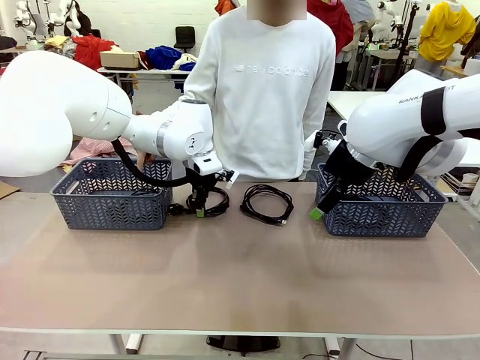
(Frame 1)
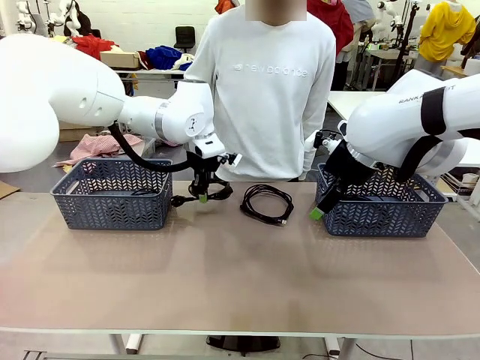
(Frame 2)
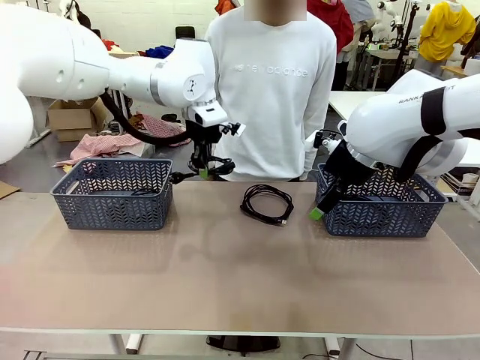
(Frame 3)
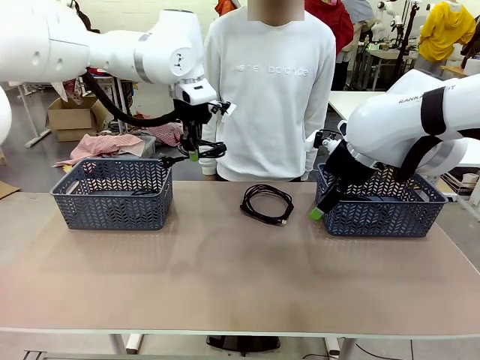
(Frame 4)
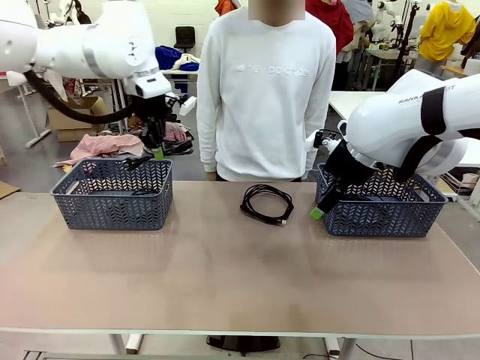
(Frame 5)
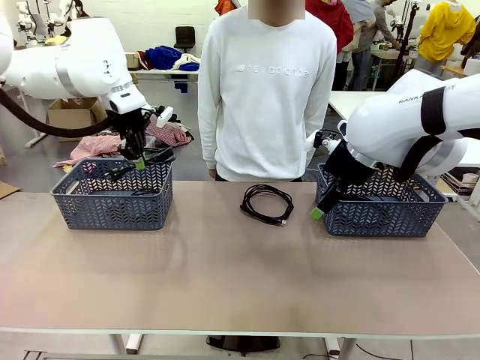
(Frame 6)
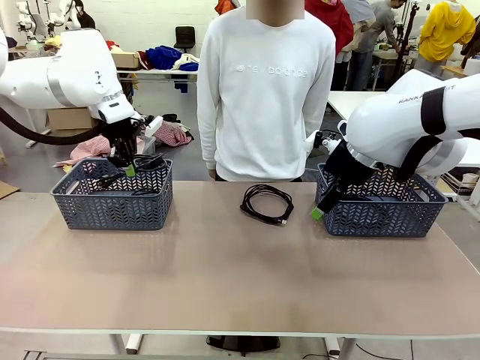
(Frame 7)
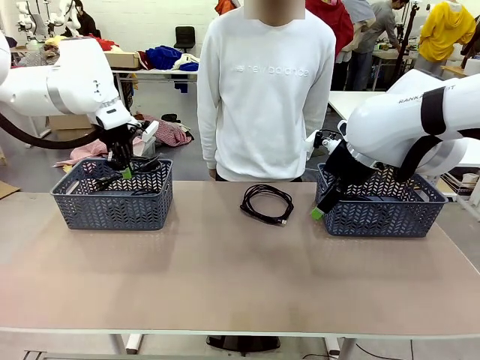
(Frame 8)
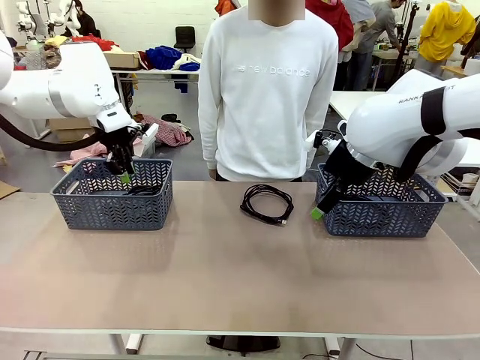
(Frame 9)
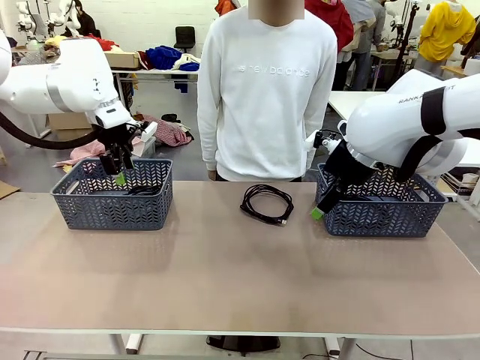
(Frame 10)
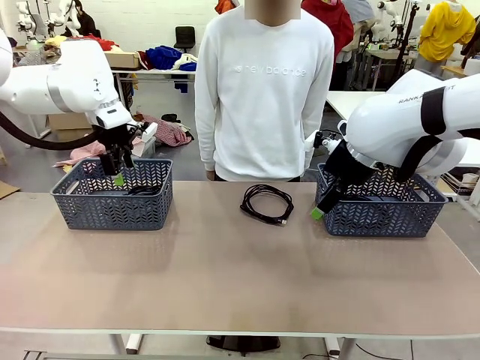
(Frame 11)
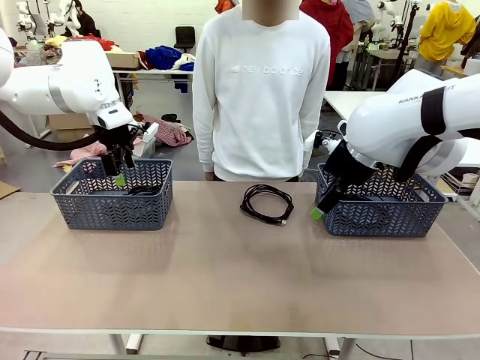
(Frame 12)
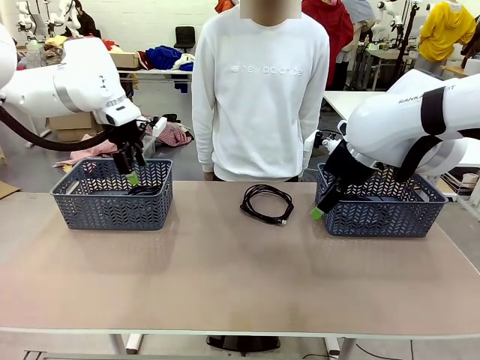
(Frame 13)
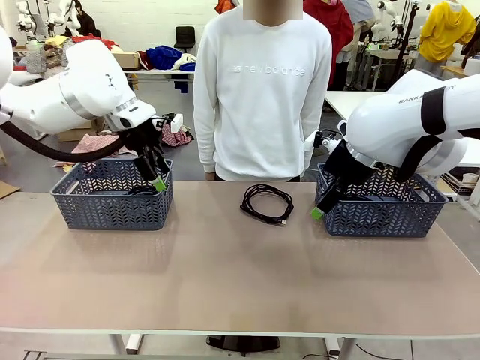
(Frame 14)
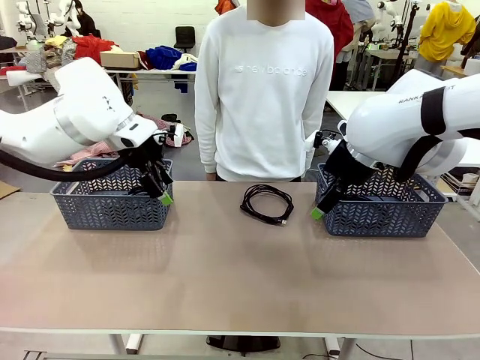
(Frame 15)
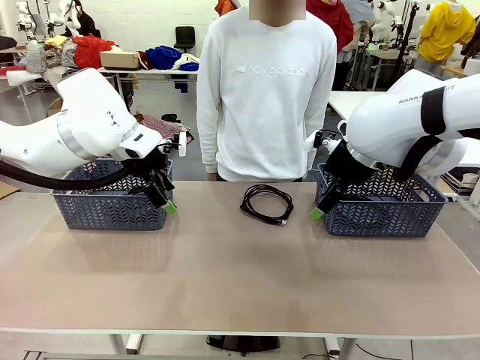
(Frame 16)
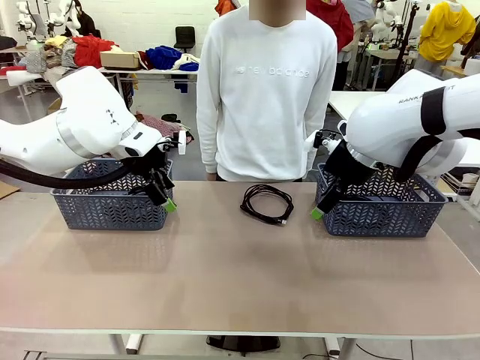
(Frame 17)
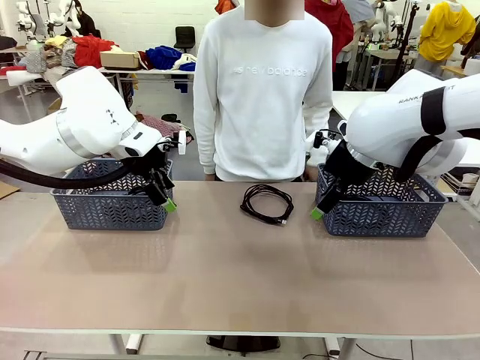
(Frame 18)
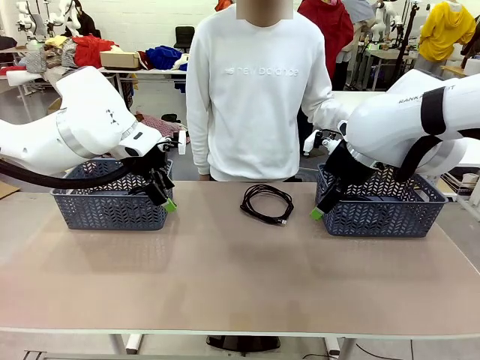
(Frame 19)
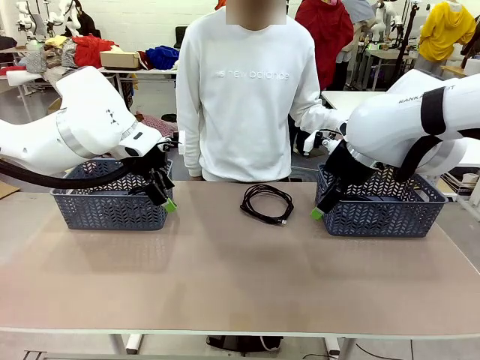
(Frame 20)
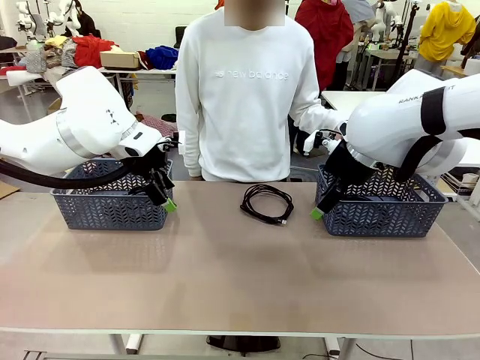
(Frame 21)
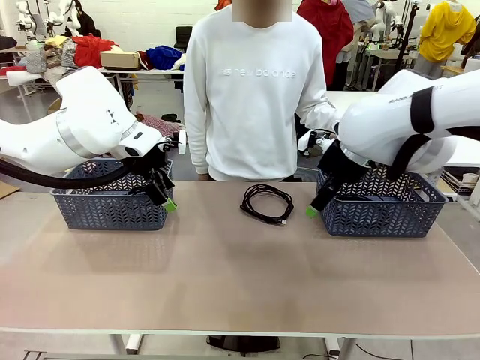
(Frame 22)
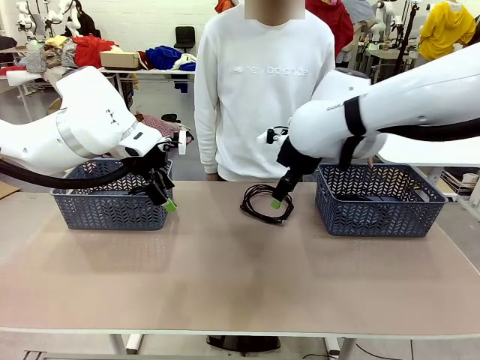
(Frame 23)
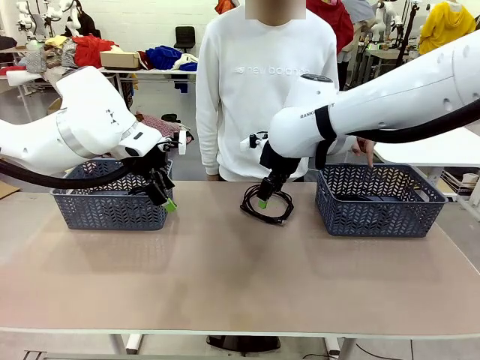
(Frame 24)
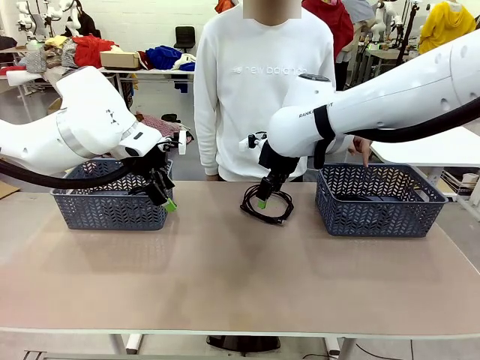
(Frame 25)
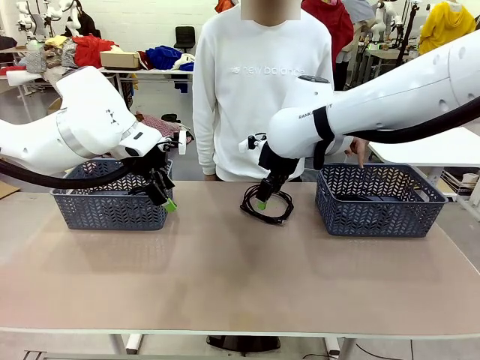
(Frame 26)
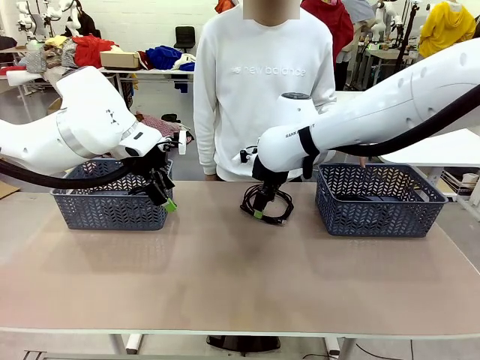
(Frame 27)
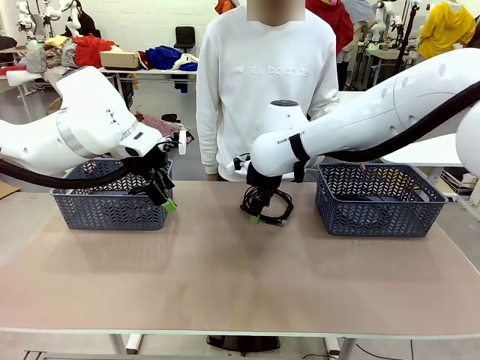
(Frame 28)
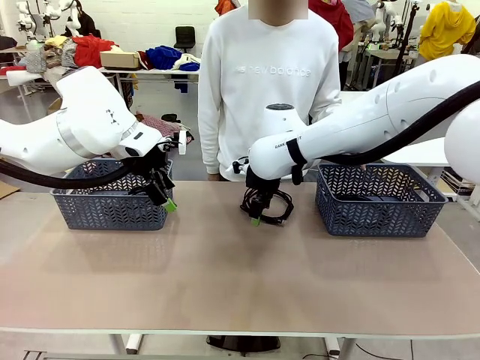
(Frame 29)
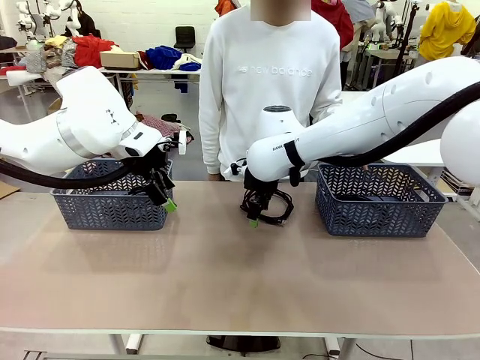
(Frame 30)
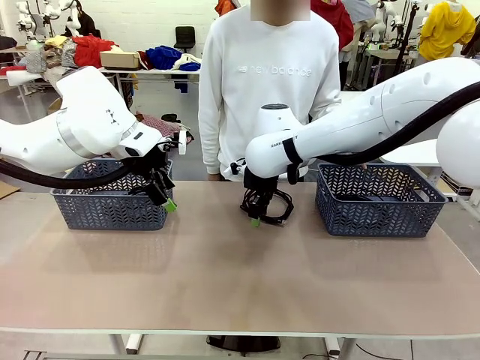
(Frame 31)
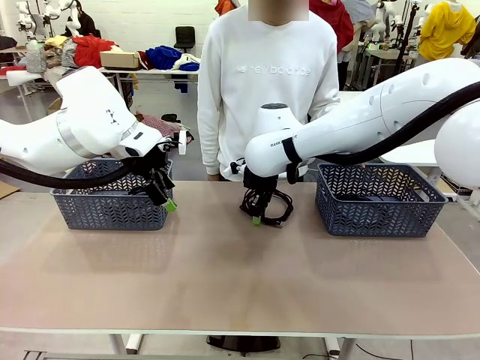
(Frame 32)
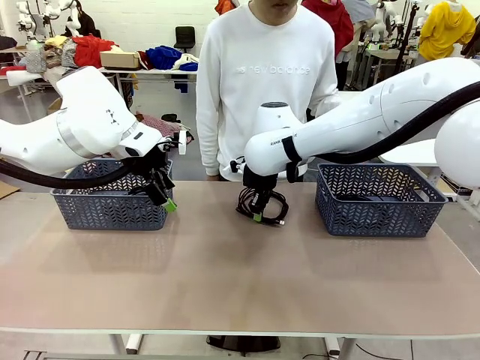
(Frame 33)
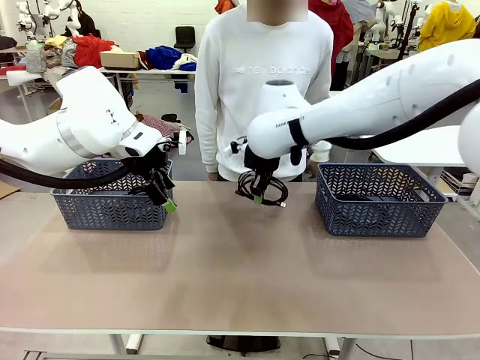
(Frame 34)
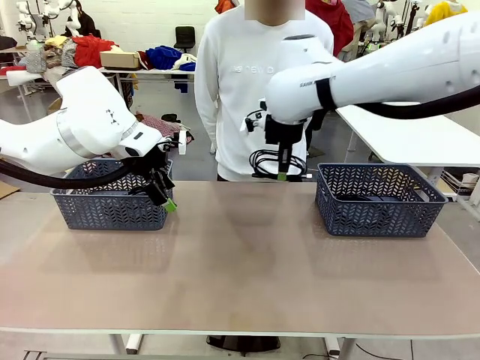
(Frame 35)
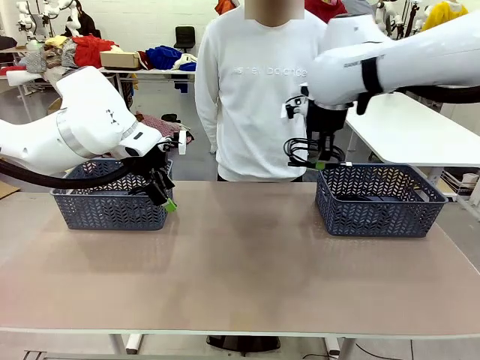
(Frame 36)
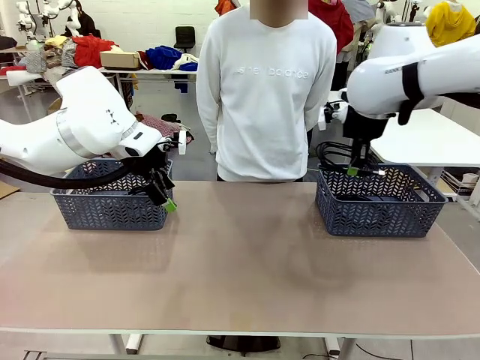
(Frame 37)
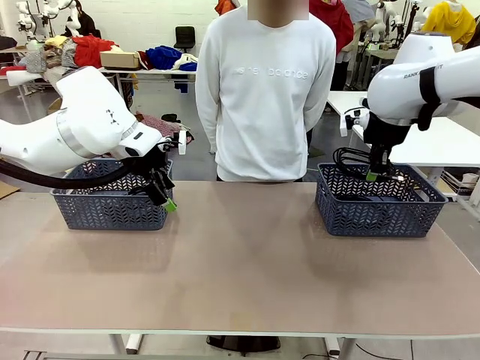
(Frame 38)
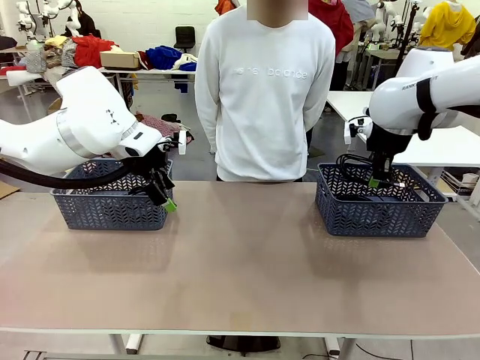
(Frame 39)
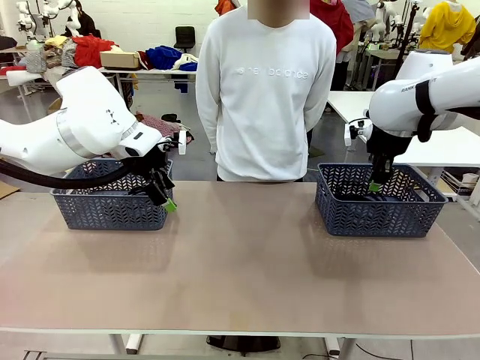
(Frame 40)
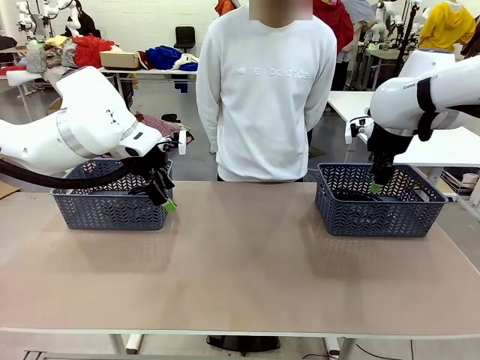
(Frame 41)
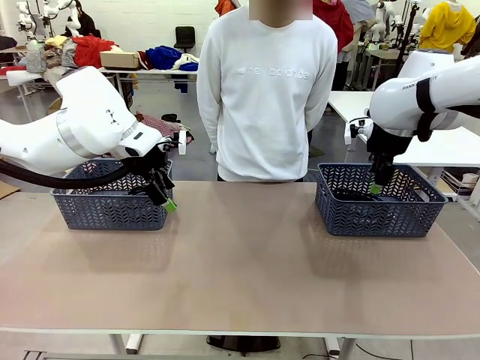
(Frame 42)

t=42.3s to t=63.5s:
Task: Organize the cables according to human instructions.
Robot: Pick up a bundle of cables and place it in the basket indicated by the human.

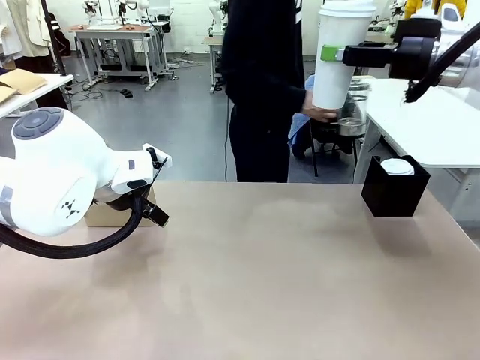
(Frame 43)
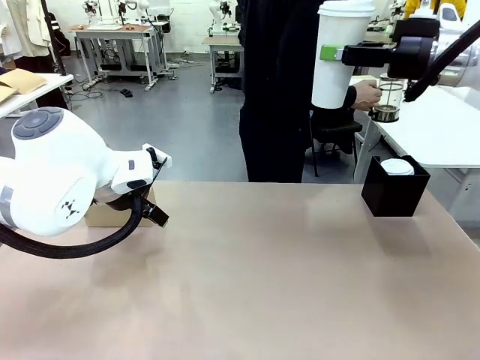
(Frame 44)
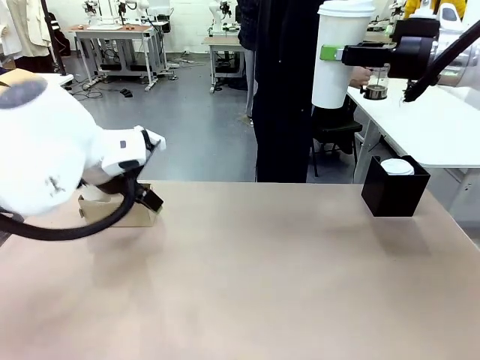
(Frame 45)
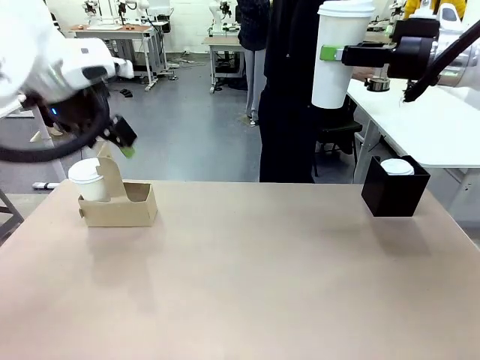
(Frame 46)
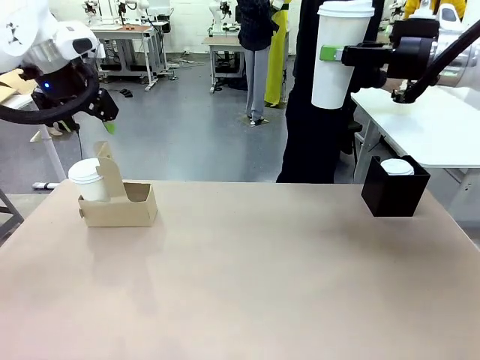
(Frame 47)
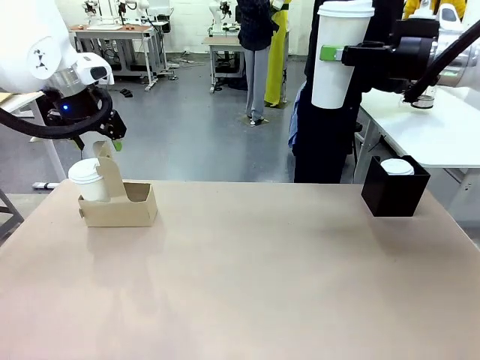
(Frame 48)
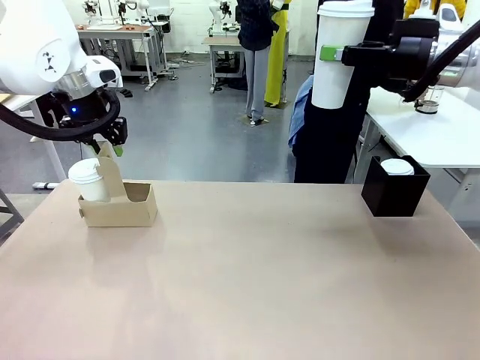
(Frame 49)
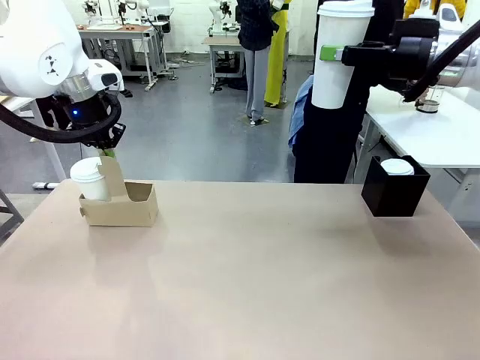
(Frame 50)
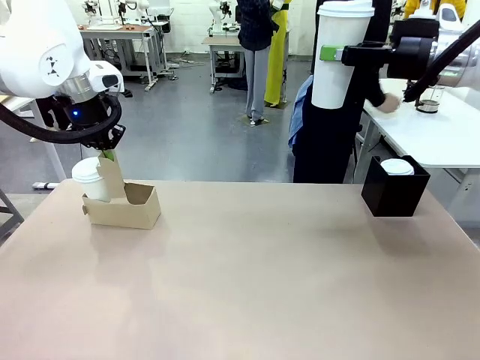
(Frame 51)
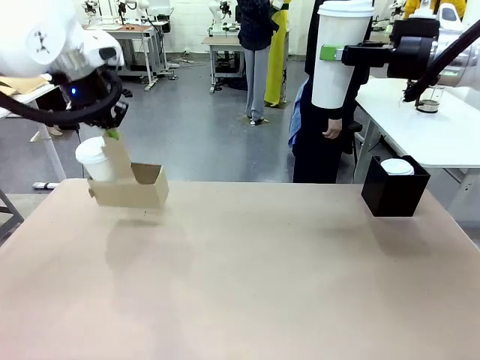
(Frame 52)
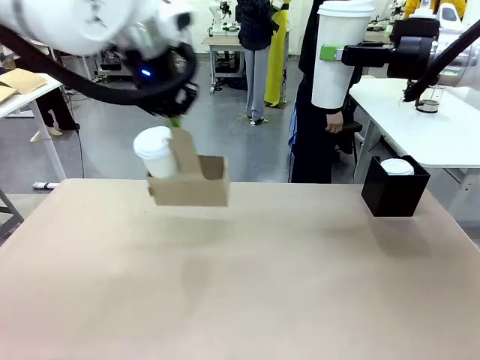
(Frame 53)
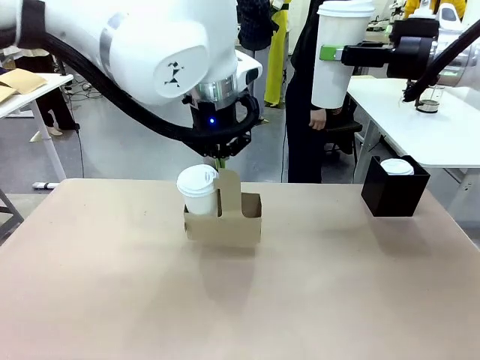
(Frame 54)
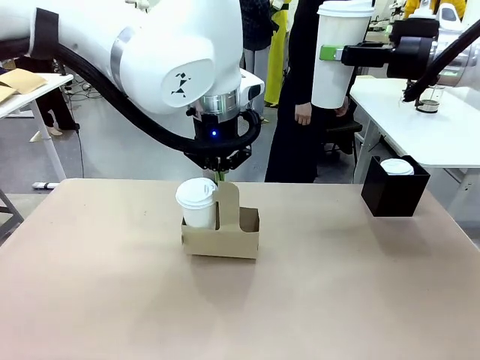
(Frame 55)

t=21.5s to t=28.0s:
Task: Pour a drink into a cup and package it in a carrier.
Robot: Position the Cup Carrier in the center of the table.
Person: Pick up the Filter Brewing and place on the middle of Human table, and return to the Robot table.
